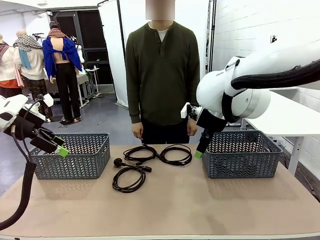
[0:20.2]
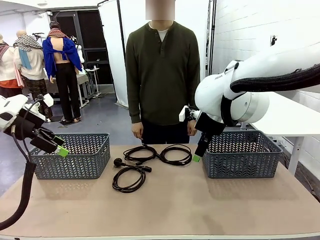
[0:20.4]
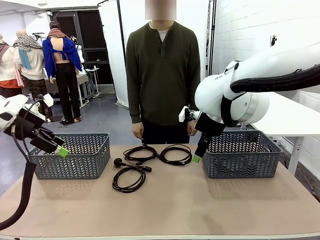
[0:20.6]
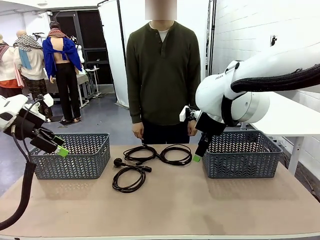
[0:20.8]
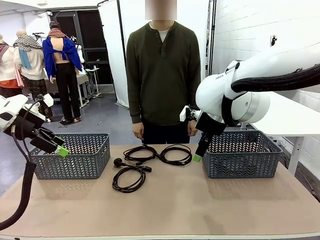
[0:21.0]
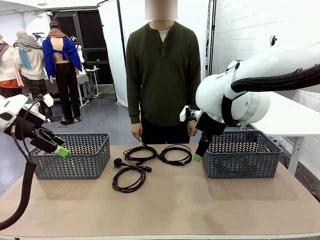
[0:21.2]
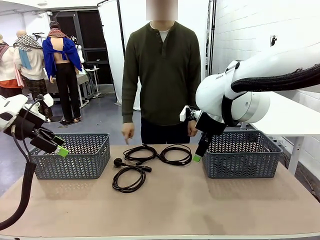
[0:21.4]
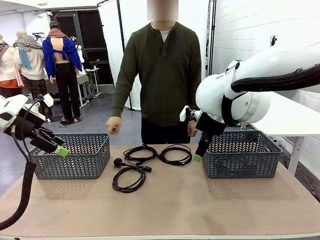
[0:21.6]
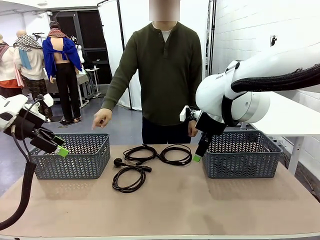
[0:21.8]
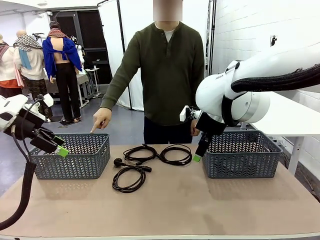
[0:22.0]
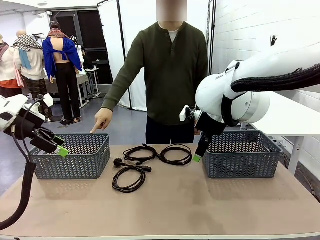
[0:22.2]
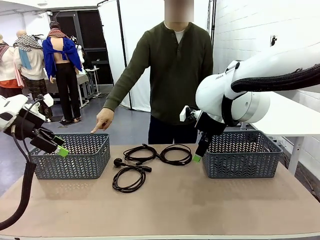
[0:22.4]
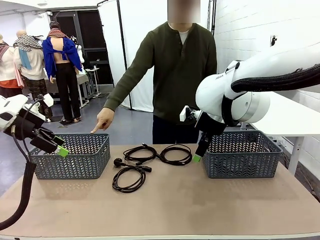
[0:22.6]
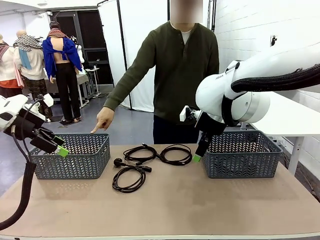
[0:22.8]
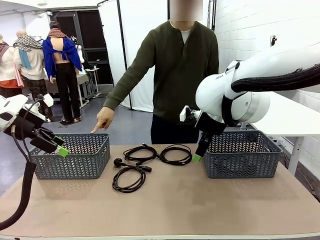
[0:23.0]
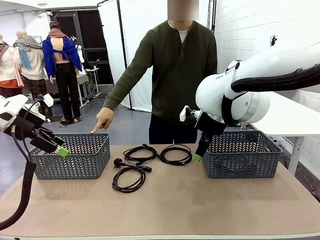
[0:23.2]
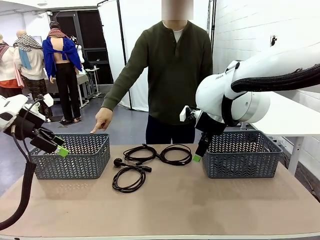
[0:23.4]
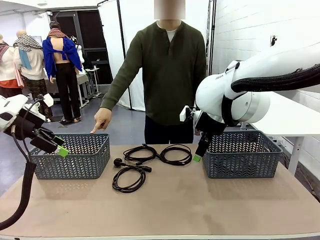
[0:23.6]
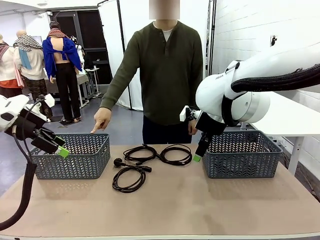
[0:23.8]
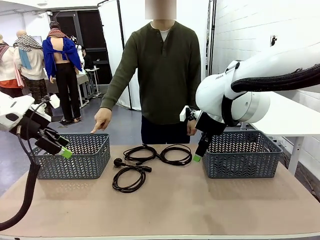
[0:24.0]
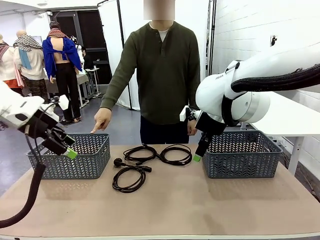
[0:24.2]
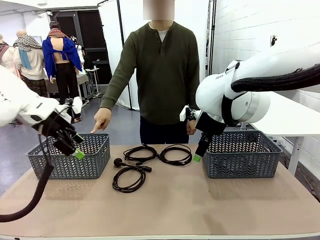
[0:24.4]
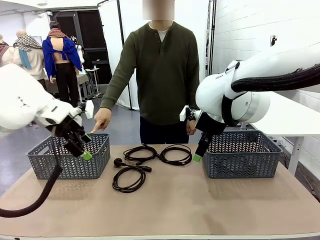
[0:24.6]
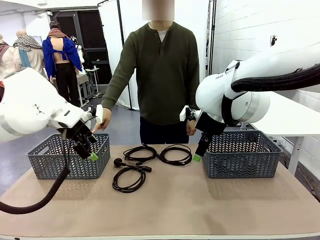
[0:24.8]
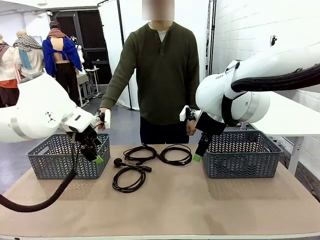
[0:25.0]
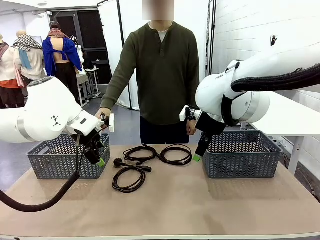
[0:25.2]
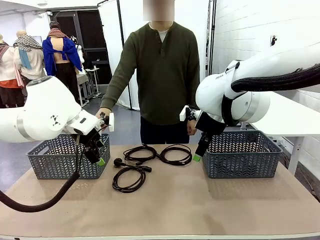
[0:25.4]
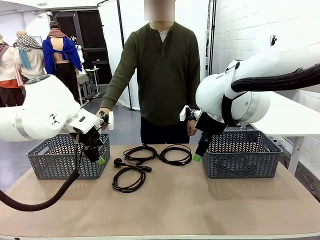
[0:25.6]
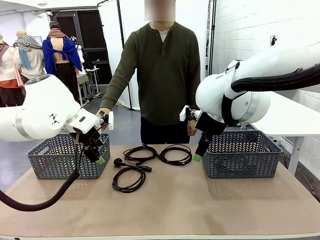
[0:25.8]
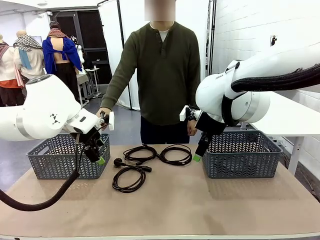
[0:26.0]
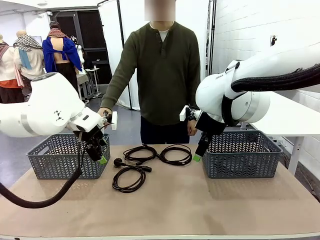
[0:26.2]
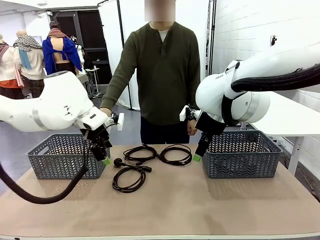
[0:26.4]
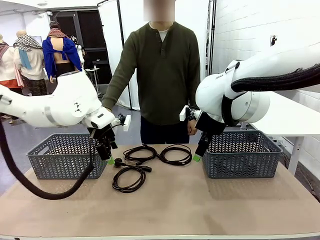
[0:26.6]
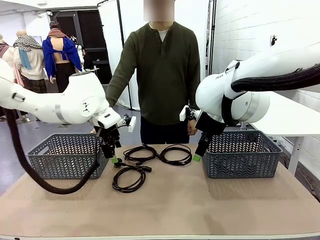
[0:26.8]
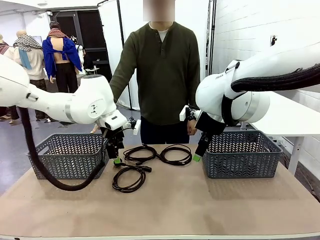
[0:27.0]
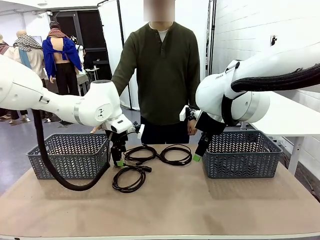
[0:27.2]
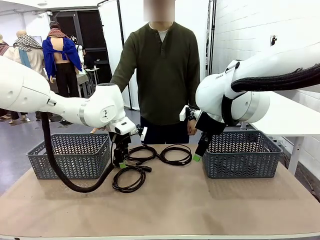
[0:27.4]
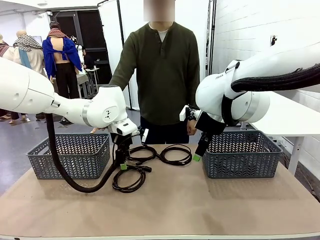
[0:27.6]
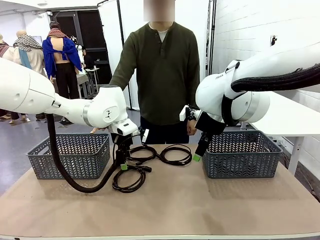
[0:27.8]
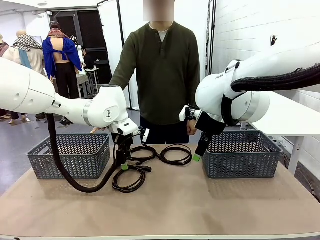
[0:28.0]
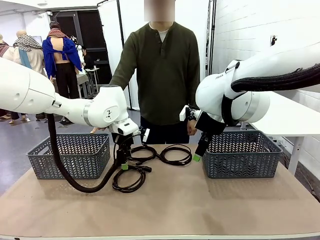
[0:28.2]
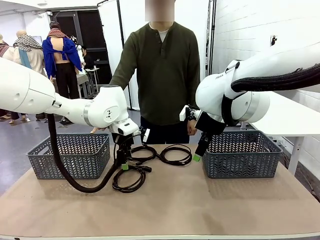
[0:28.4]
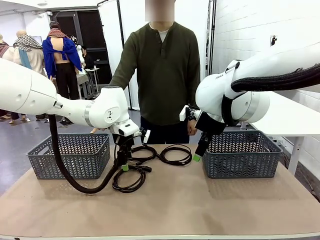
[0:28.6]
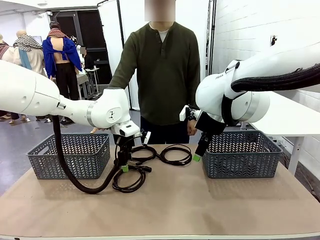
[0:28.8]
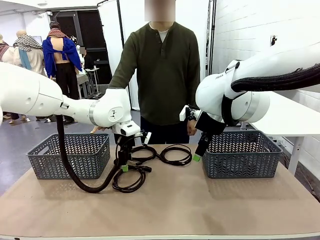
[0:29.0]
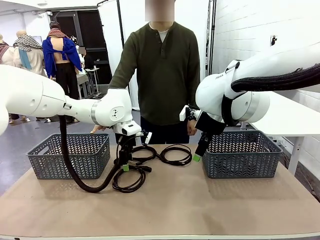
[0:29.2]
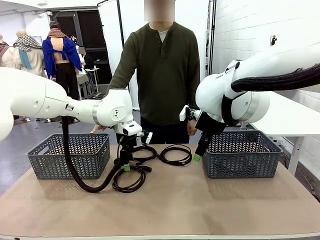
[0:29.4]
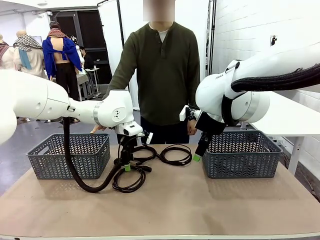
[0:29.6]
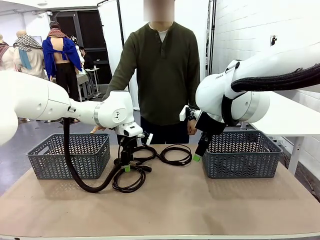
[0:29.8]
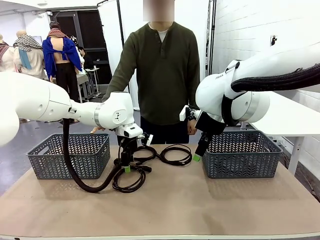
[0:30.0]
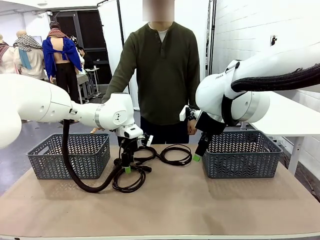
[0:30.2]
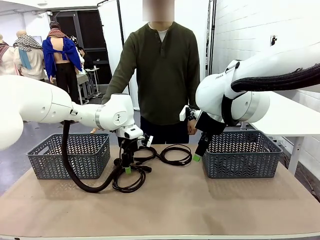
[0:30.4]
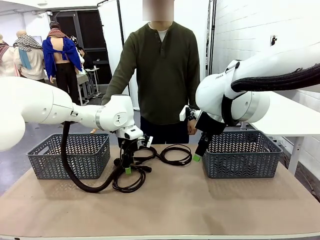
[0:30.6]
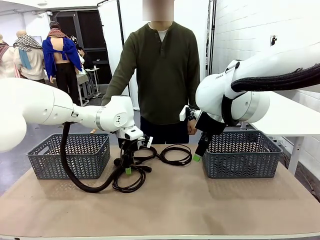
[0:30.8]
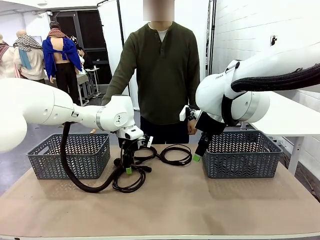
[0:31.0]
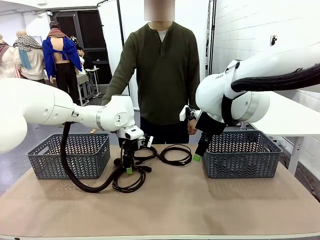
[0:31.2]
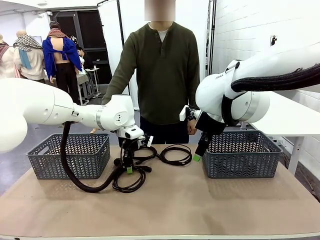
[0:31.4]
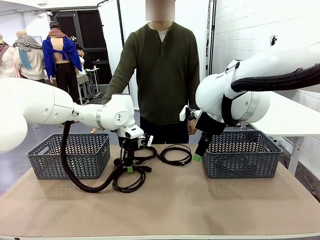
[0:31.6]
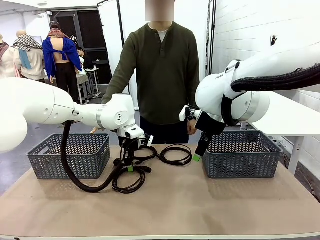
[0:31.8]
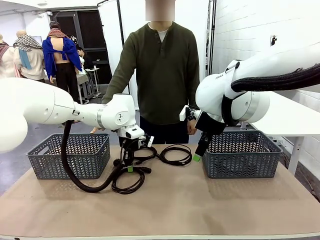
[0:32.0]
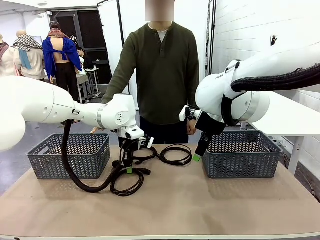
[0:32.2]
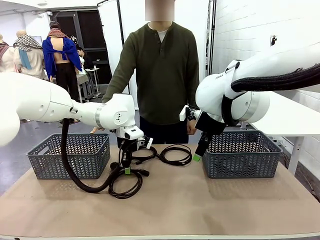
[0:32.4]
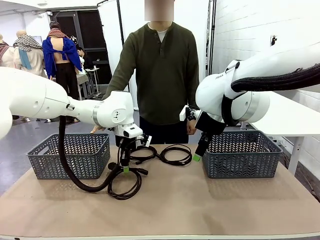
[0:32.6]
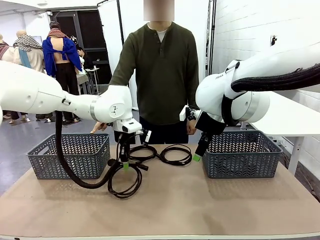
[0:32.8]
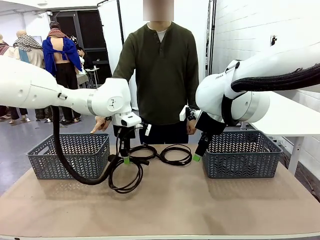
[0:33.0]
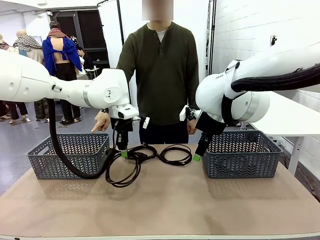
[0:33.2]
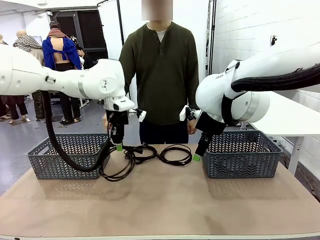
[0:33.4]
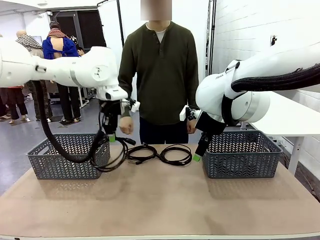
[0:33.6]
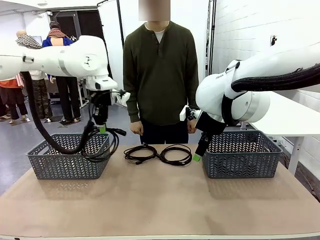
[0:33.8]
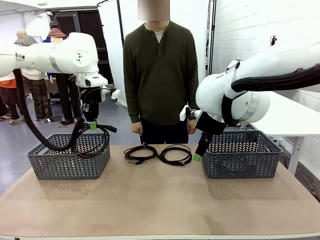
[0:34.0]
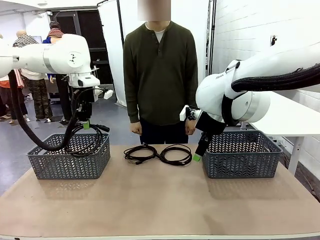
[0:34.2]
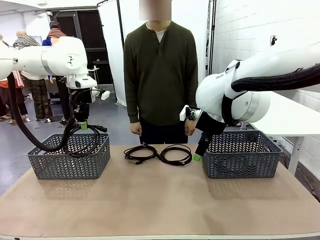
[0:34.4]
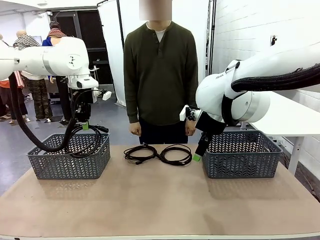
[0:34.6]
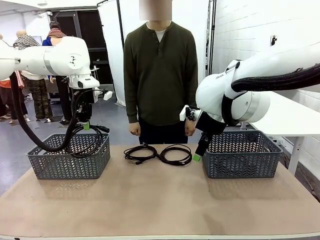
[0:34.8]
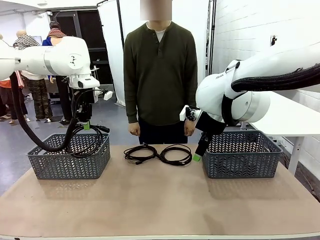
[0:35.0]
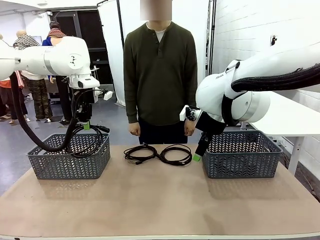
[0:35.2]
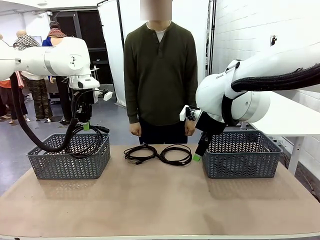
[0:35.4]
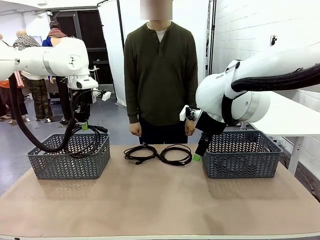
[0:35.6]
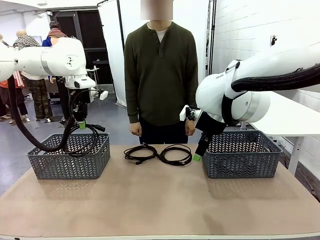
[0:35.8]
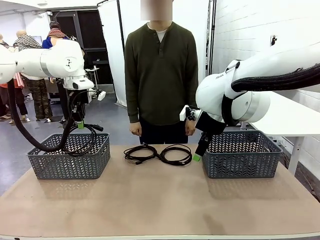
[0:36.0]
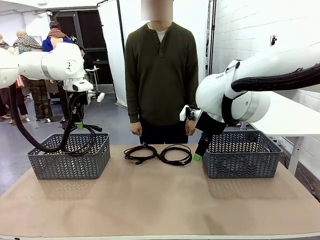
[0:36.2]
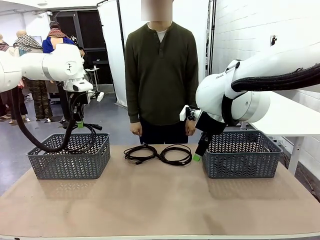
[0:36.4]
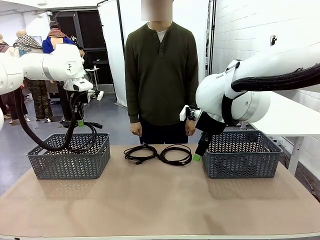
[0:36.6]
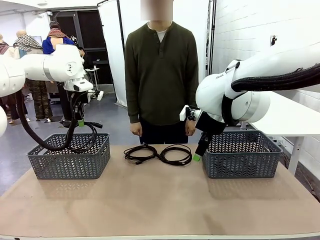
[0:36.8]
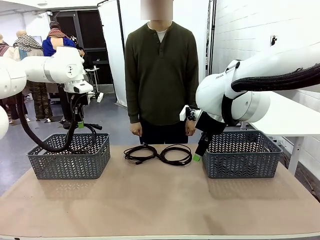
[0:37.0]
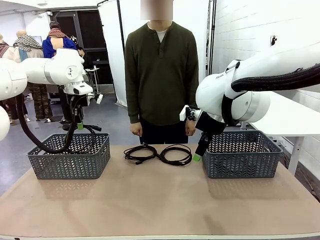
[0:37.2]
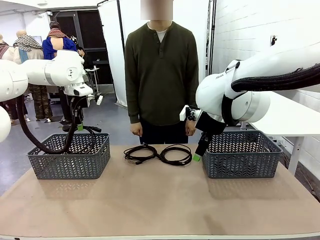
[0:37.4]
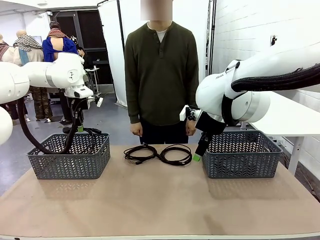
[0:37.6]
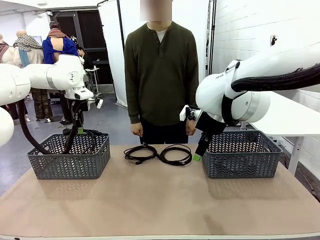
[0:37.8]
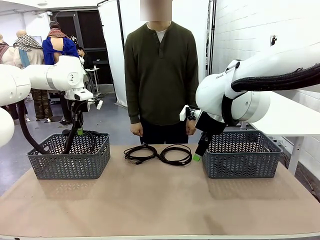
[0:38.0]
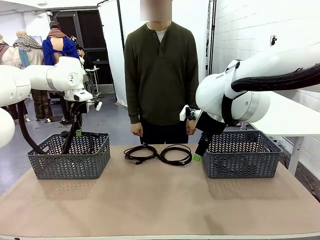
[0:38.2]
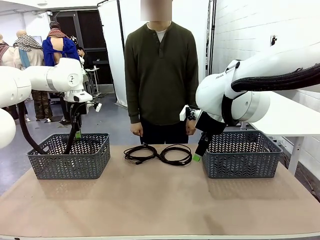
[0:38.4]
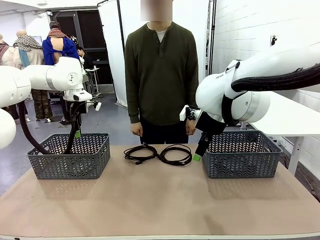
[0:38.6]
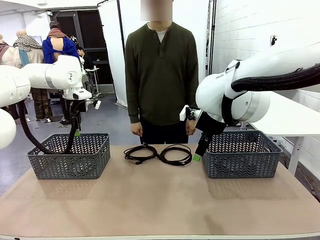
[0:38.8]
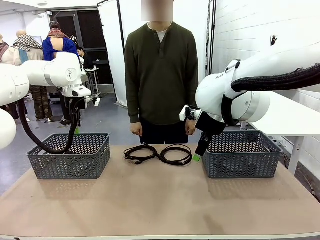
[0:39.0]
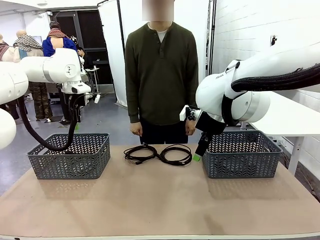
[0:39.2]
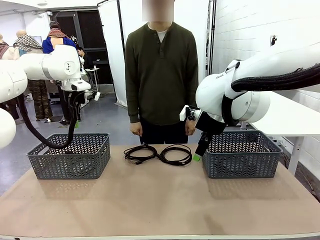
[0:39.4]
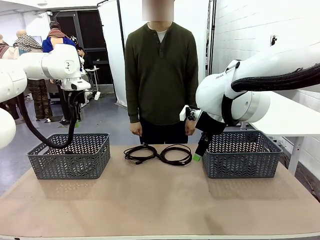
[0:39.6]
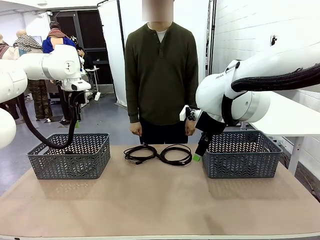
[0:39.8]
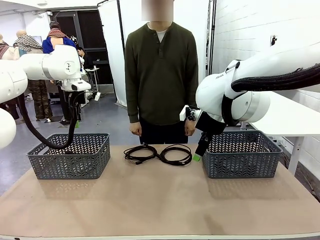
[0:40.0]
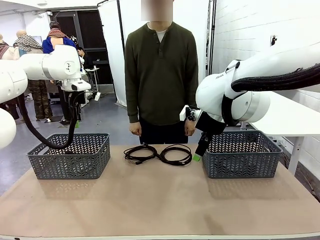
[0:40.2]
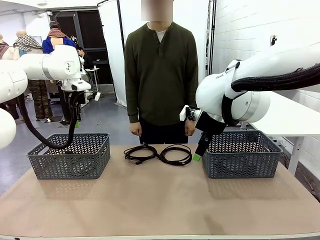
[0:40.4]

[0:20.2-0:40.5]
Task: Organize the cables according to human instructions.
Robot: Pick up a bundle of cables and place it in the basket indicated by the human.
